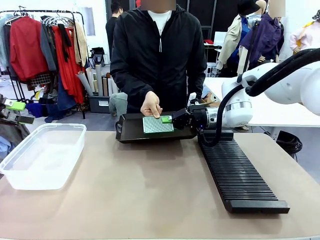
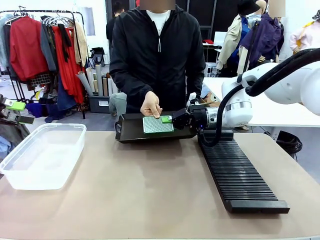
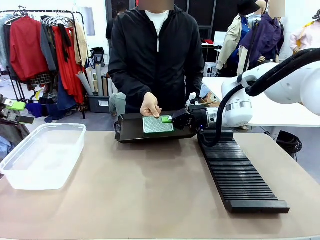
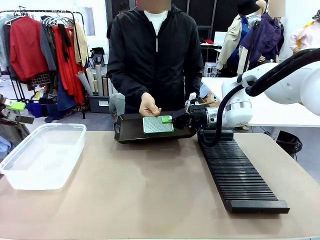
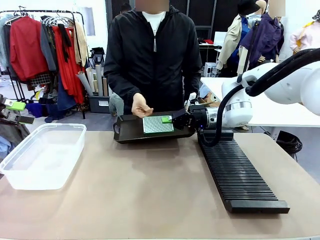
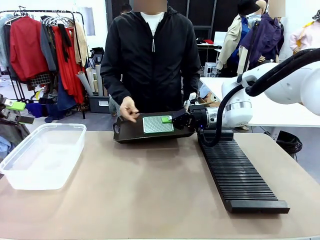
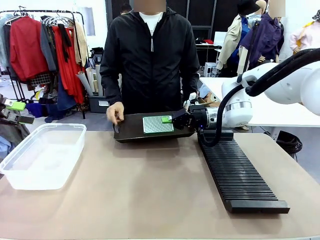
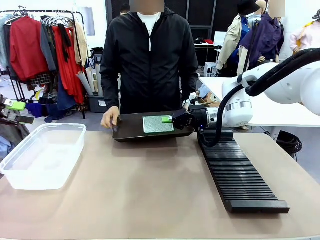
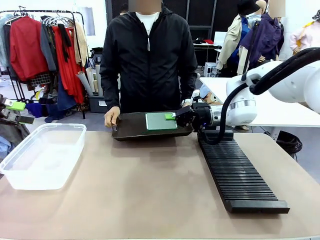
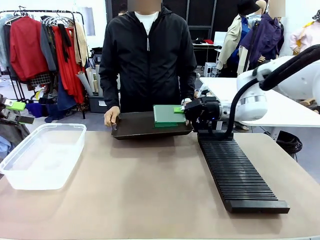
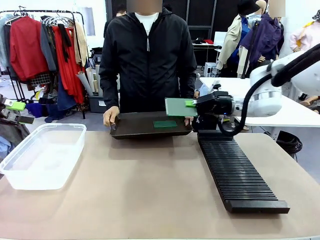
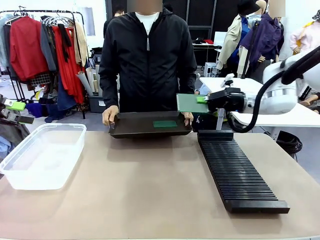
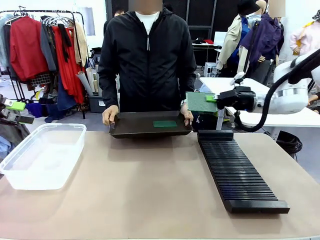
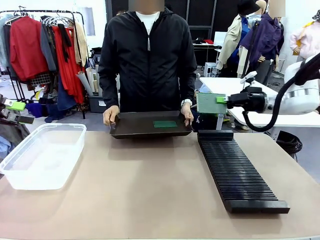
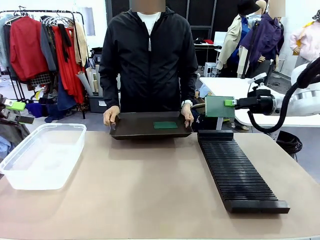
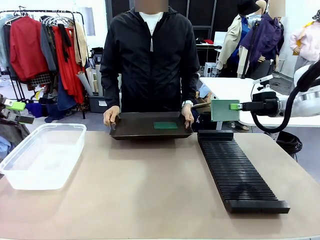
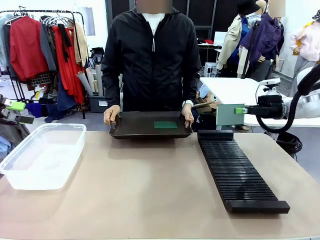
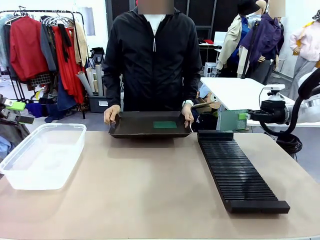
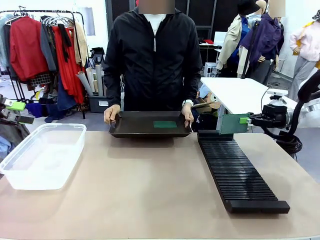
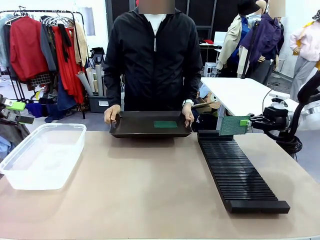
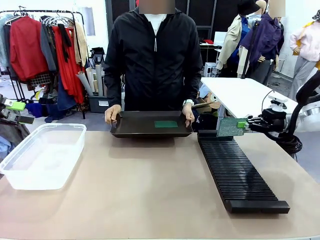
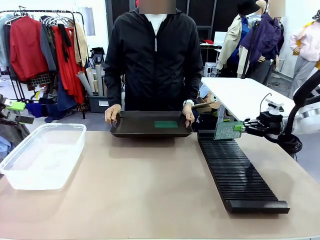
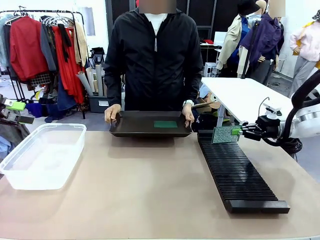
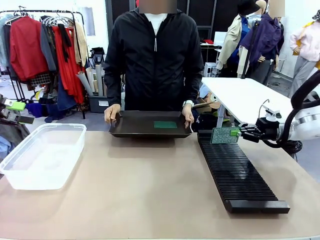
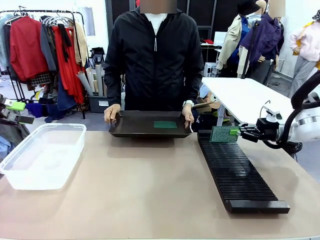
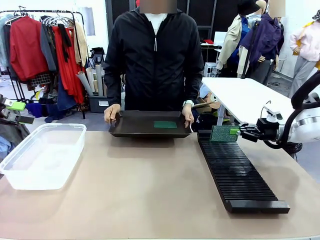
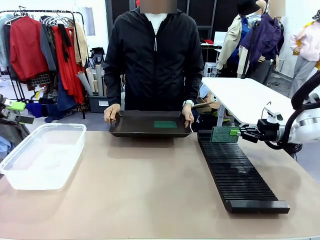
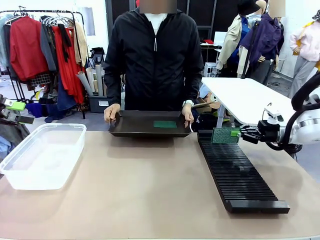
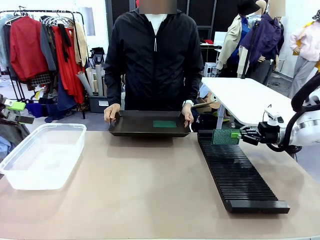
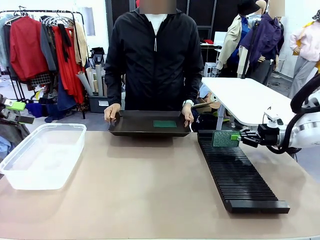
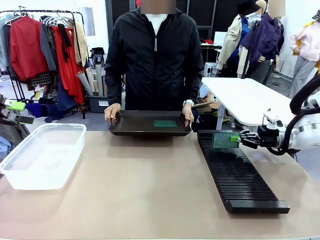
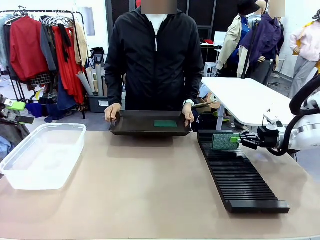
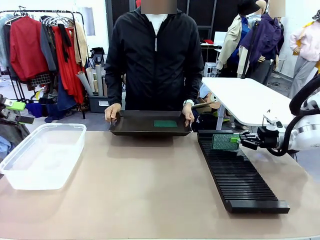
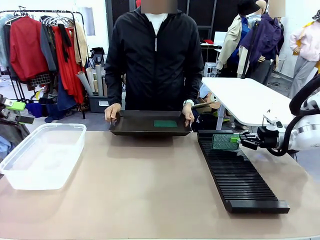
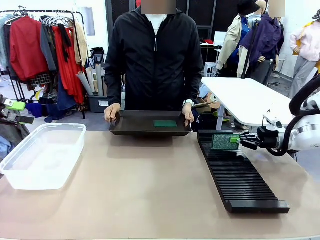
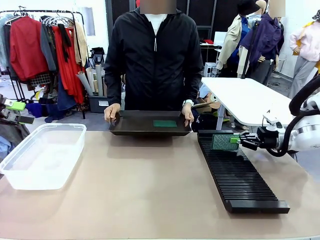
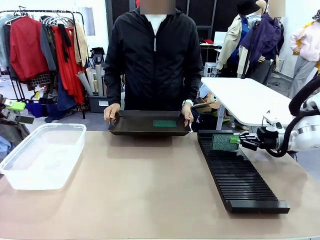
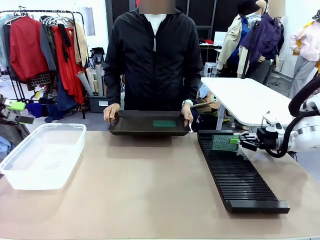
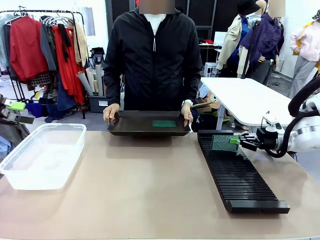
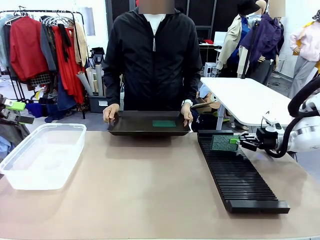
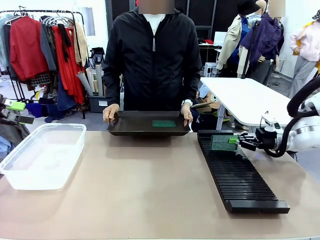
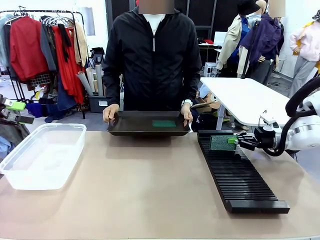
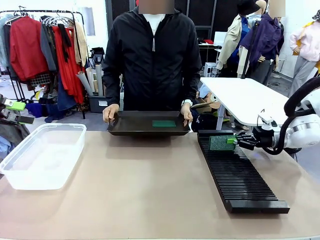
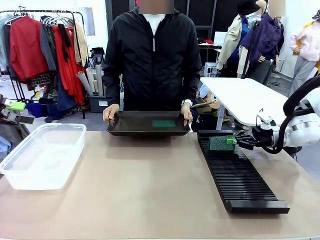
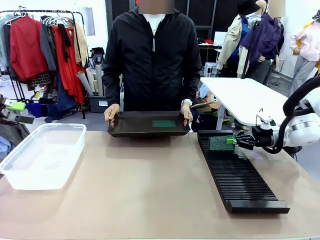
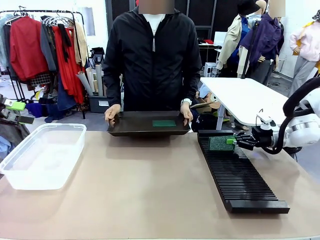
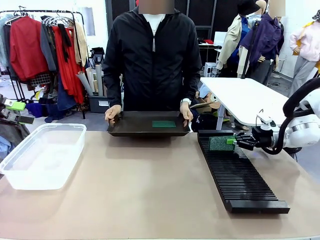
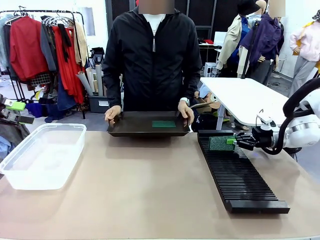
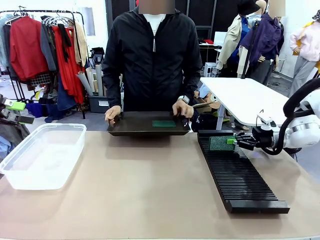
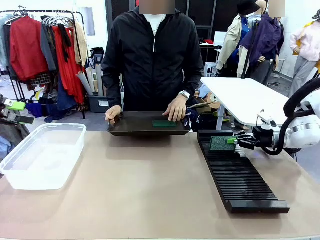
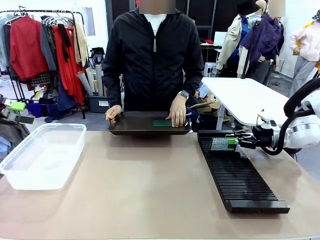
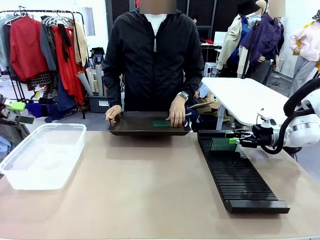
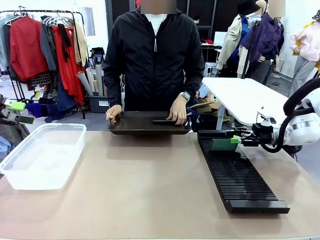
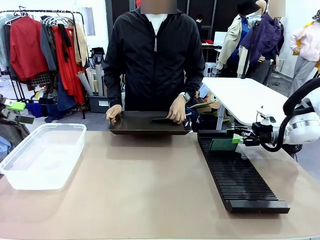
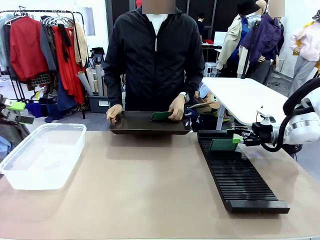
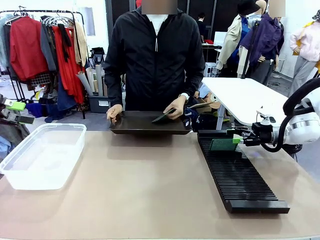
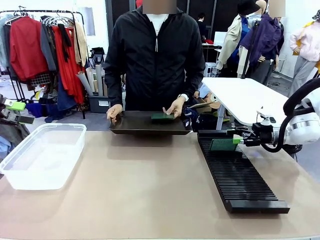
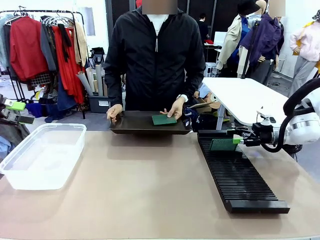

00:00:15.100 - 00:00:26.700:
Task: Sort PCBs into racks and boxes based on the side picked up.
Robot: If the short side of the Blank PCB is picked up, insert it into the PCB Rack ; if the long side is picked up, place it in the Organizing box.
Person: Pick one PCB from the tray and present it to the robot.

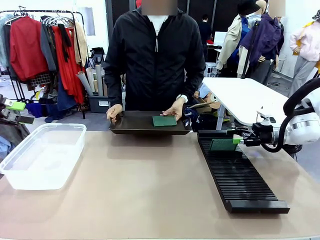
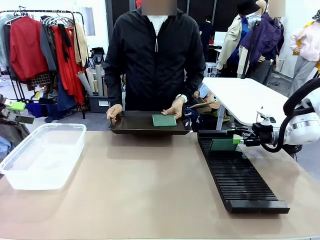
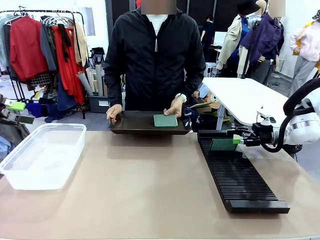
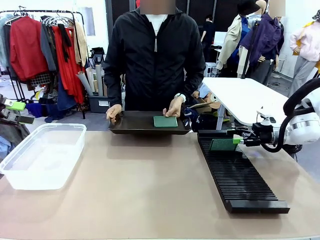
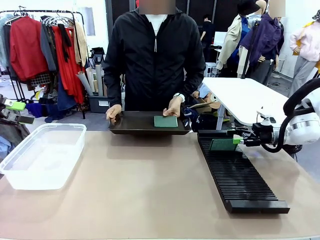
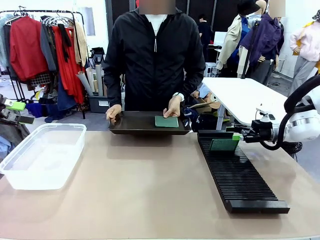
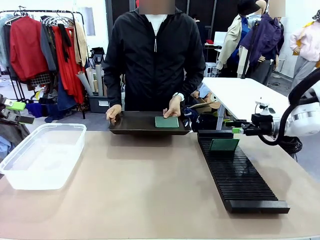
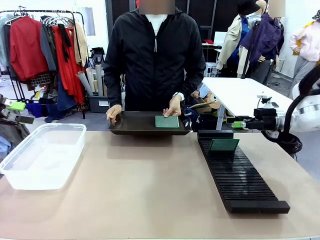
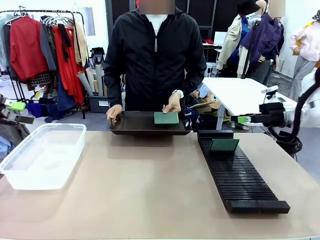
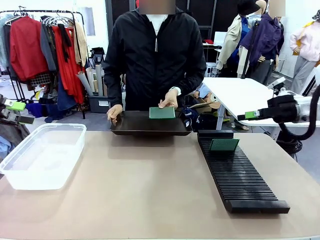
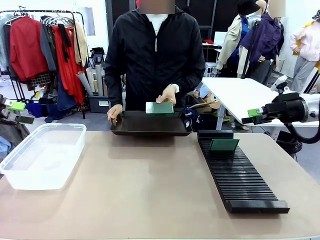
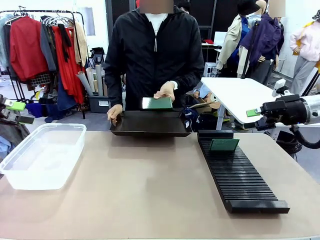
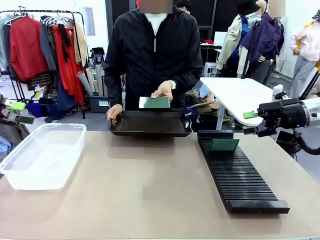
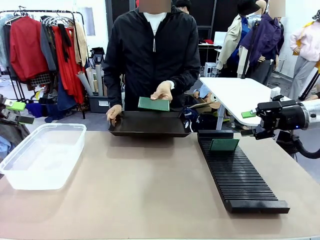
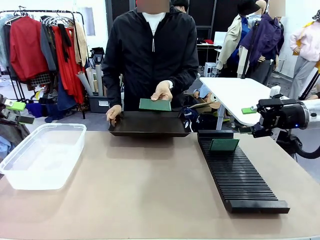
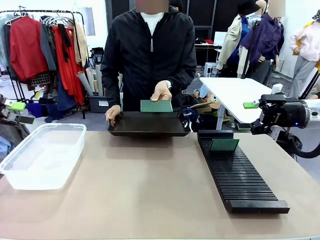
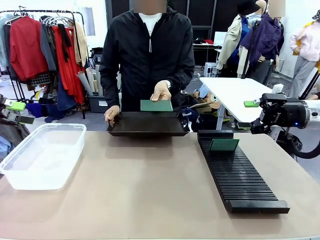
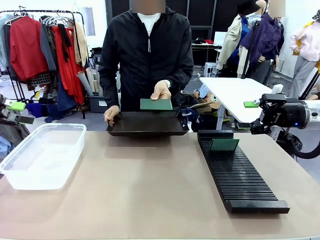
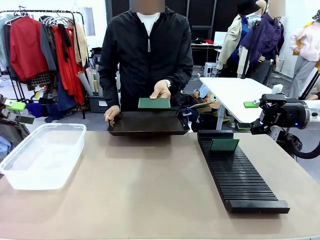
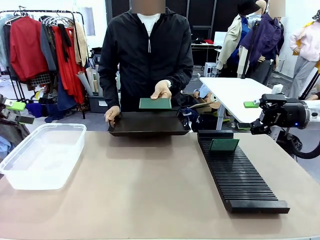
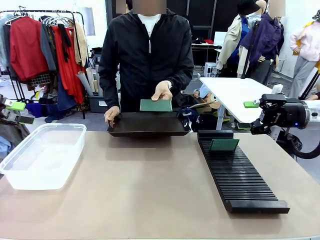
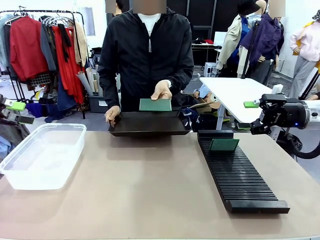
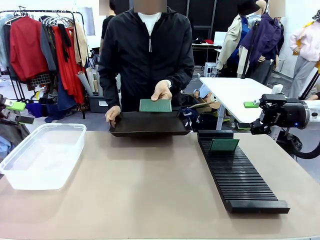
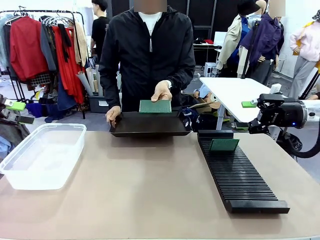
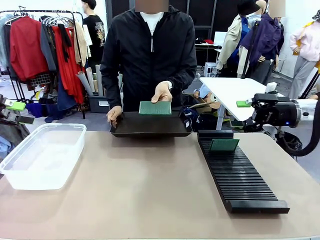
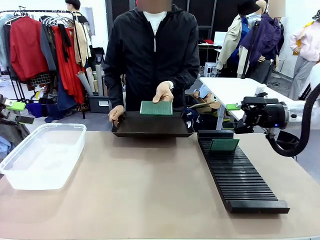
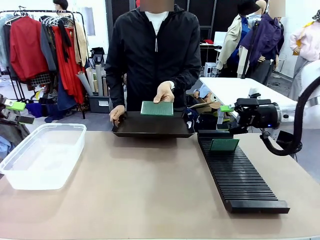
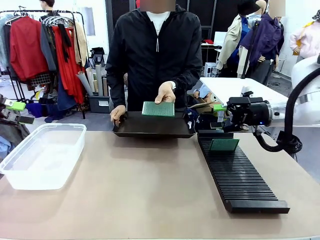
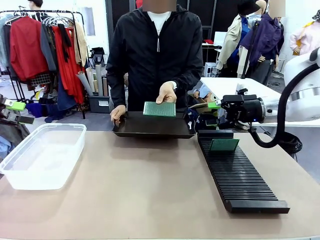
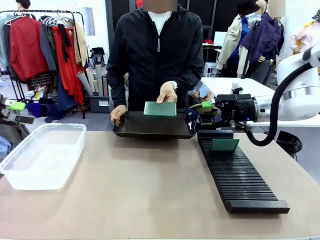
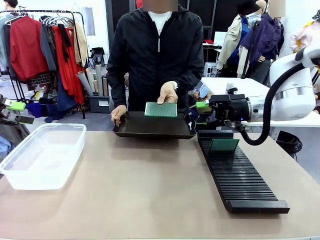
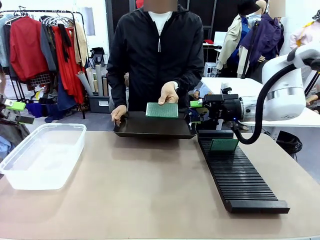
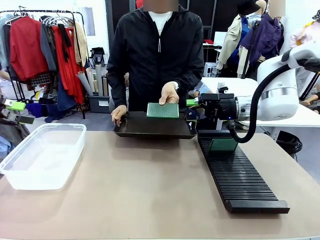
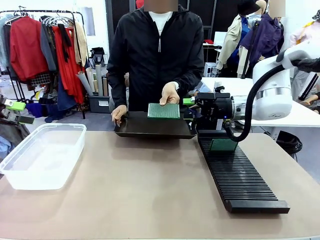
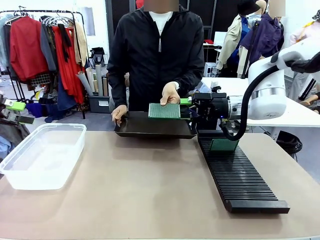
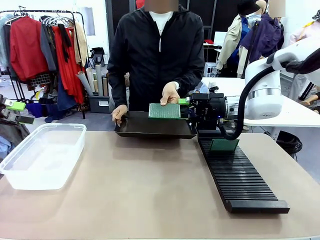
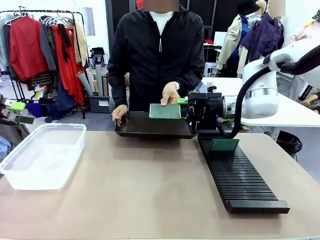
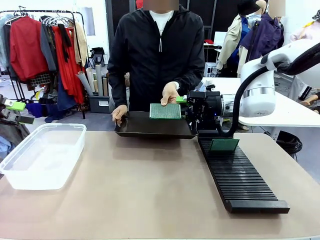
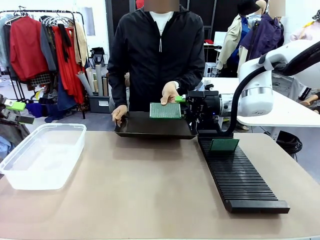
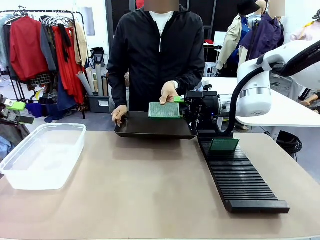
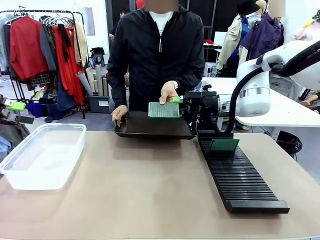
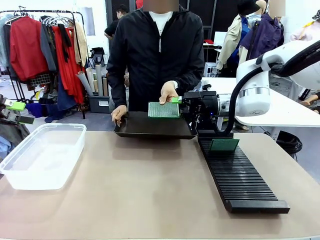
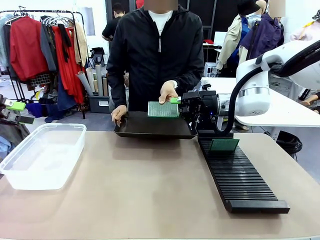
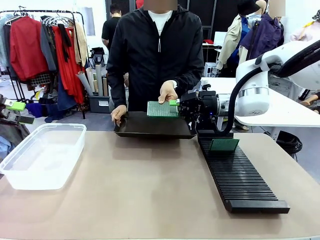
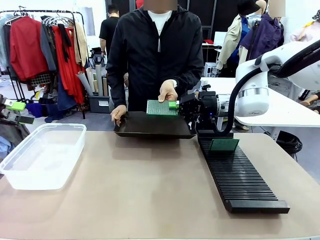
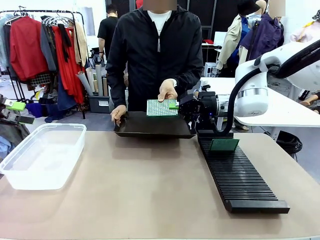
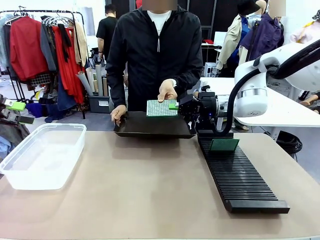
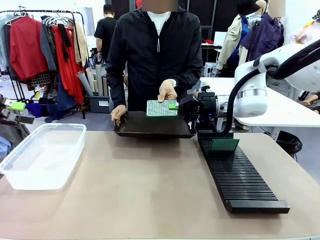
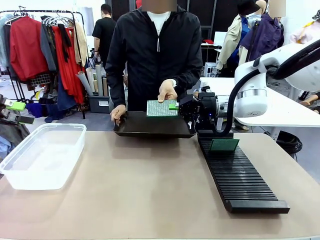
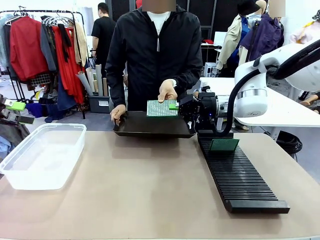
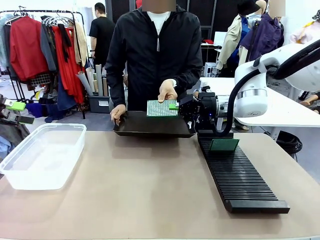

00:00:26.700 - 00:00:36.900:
Robot: Pick up the Blank PCB handed by the Human.
